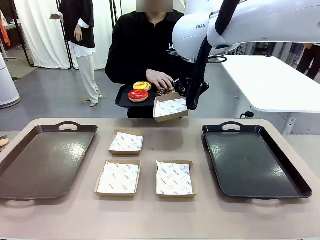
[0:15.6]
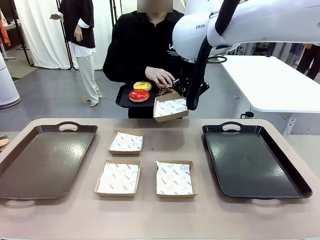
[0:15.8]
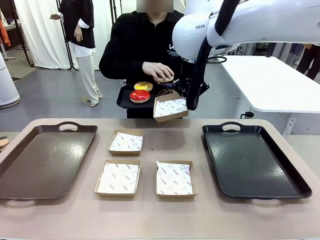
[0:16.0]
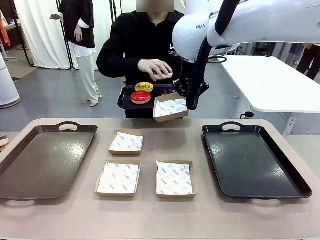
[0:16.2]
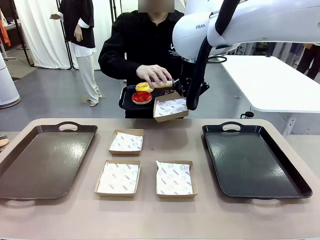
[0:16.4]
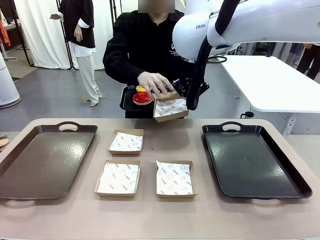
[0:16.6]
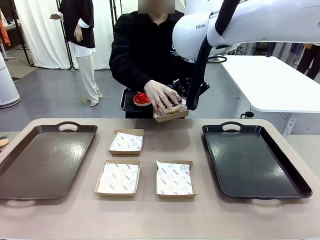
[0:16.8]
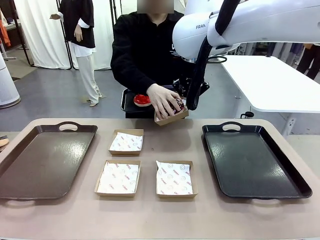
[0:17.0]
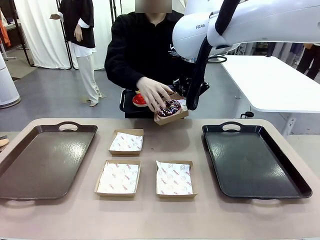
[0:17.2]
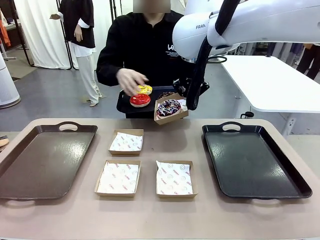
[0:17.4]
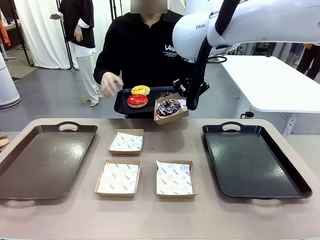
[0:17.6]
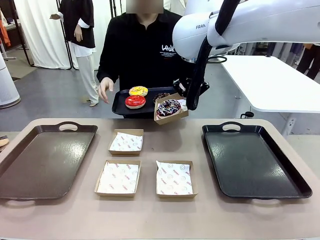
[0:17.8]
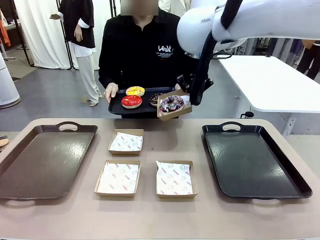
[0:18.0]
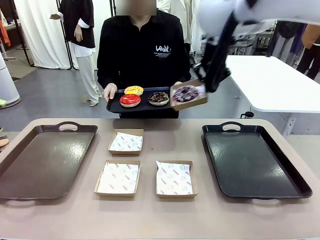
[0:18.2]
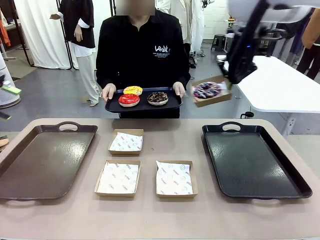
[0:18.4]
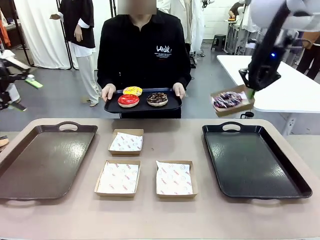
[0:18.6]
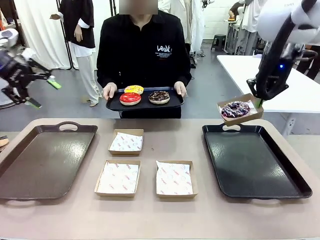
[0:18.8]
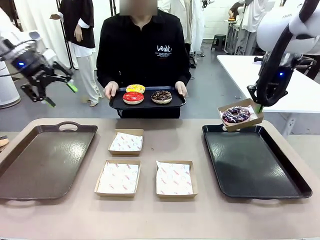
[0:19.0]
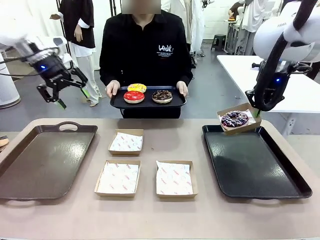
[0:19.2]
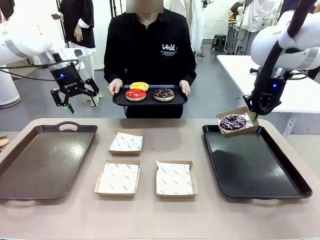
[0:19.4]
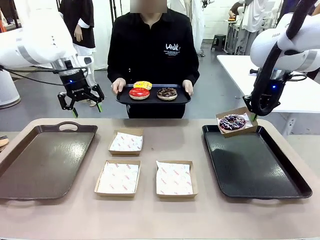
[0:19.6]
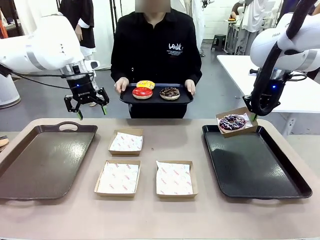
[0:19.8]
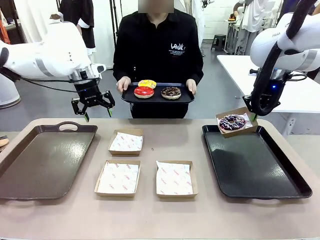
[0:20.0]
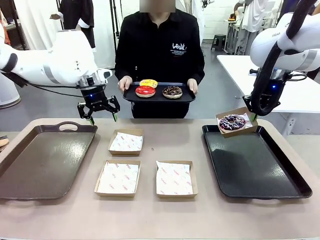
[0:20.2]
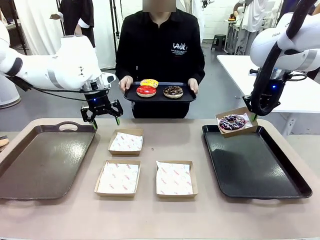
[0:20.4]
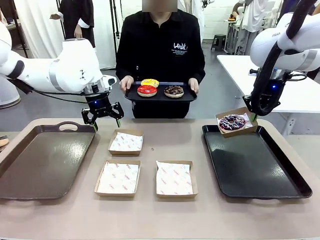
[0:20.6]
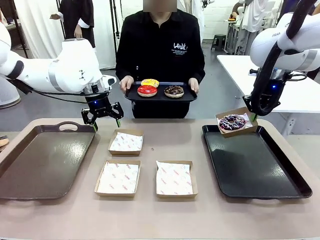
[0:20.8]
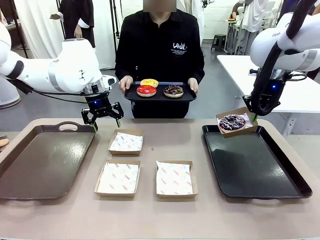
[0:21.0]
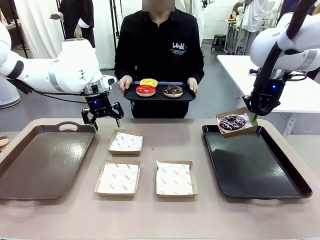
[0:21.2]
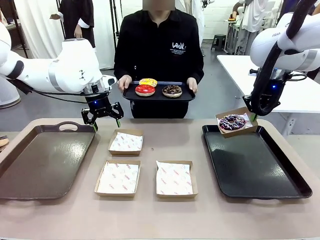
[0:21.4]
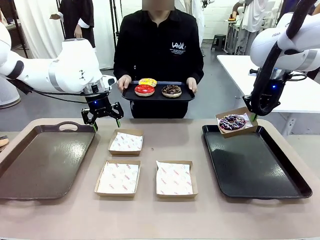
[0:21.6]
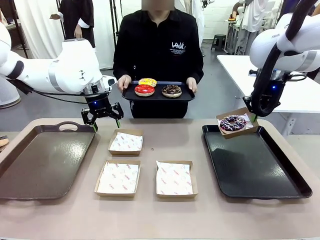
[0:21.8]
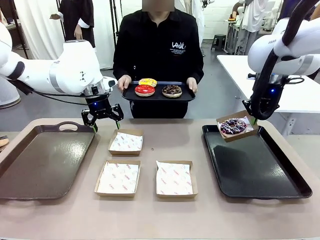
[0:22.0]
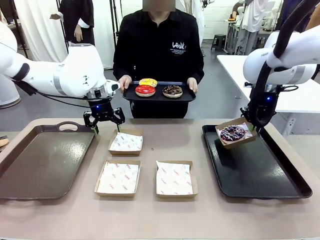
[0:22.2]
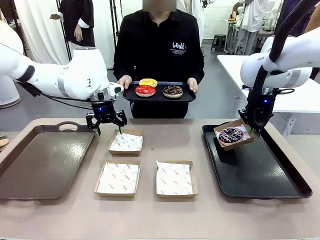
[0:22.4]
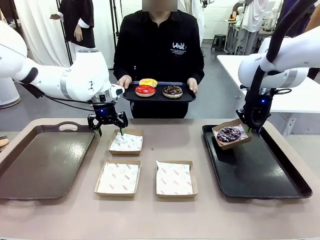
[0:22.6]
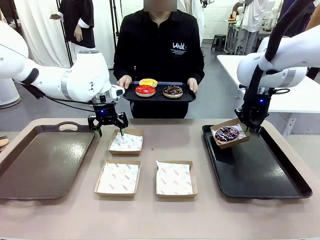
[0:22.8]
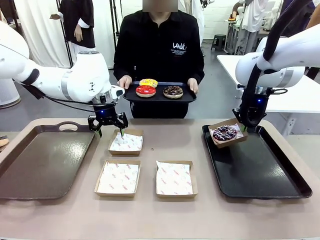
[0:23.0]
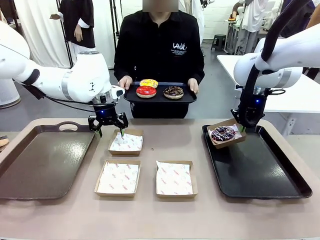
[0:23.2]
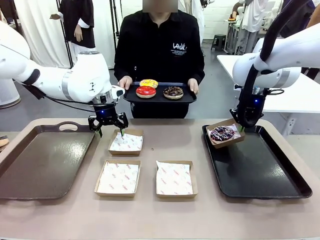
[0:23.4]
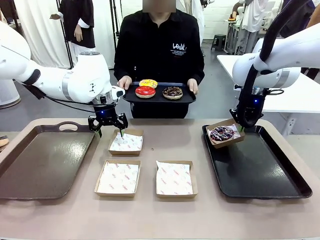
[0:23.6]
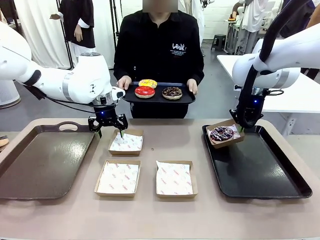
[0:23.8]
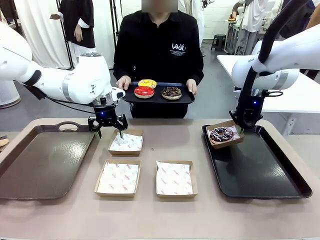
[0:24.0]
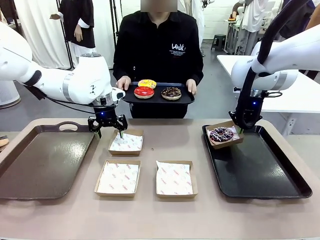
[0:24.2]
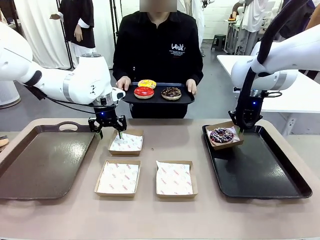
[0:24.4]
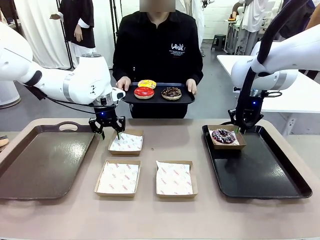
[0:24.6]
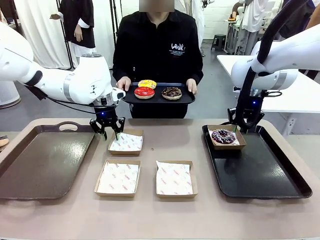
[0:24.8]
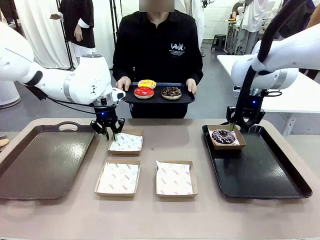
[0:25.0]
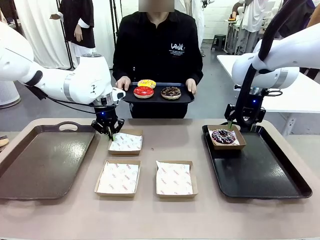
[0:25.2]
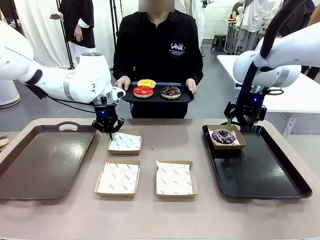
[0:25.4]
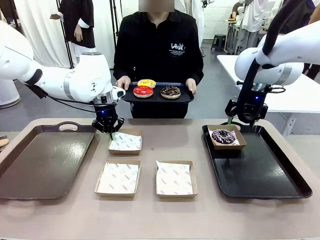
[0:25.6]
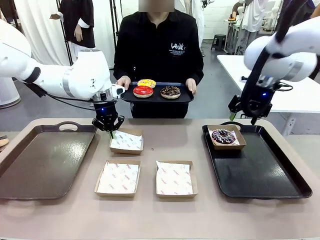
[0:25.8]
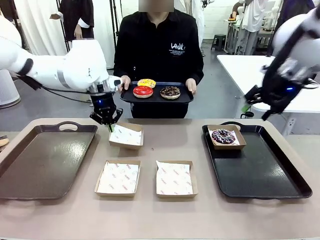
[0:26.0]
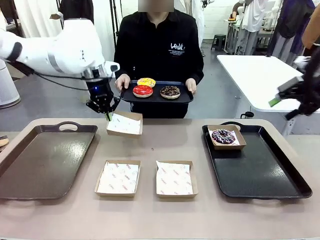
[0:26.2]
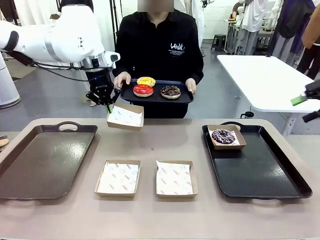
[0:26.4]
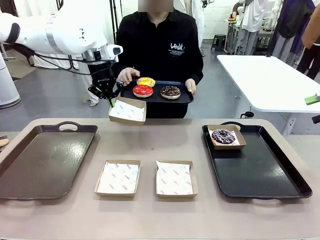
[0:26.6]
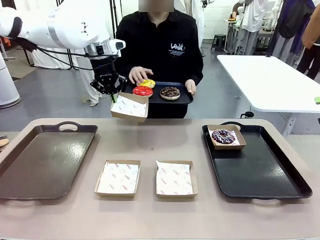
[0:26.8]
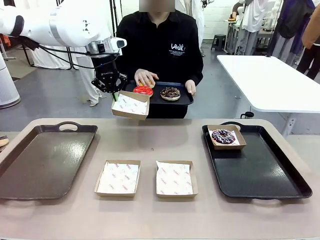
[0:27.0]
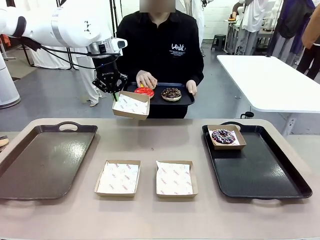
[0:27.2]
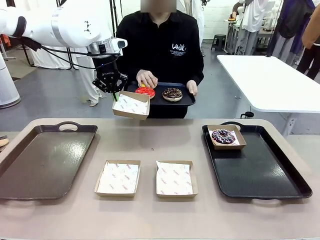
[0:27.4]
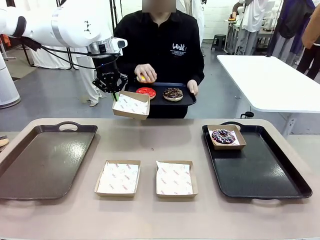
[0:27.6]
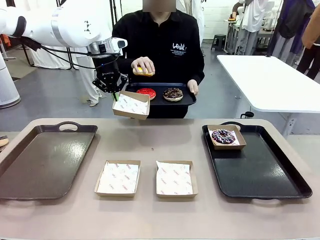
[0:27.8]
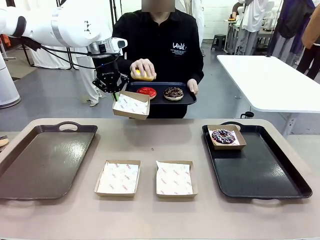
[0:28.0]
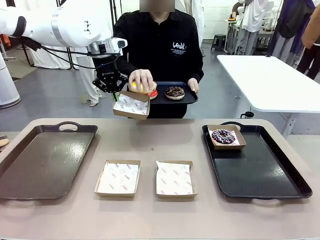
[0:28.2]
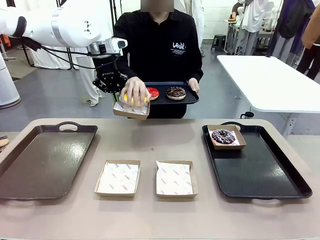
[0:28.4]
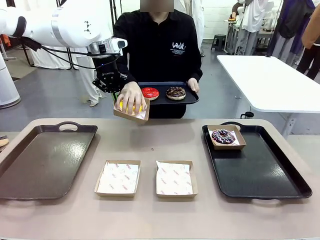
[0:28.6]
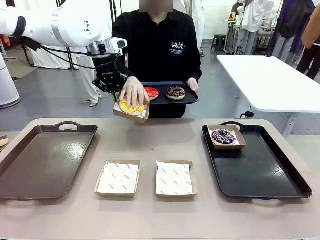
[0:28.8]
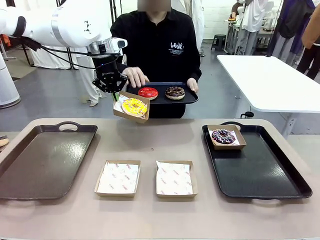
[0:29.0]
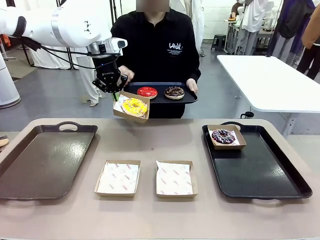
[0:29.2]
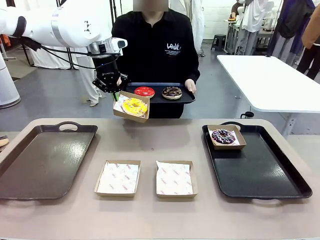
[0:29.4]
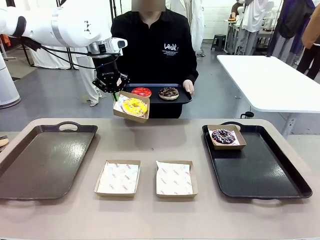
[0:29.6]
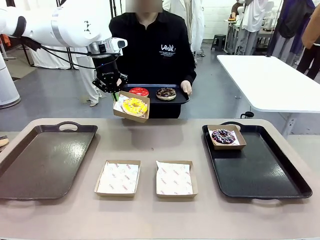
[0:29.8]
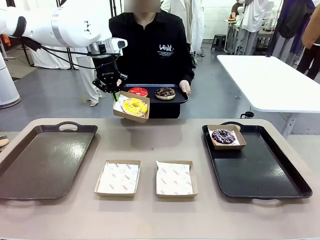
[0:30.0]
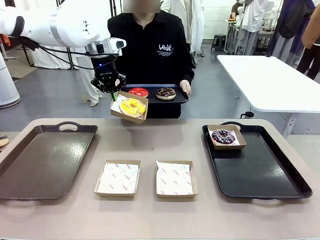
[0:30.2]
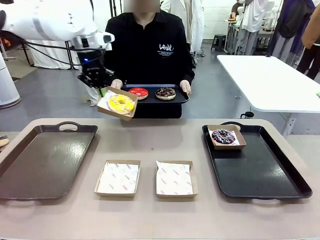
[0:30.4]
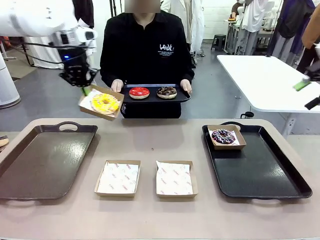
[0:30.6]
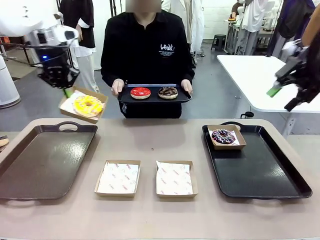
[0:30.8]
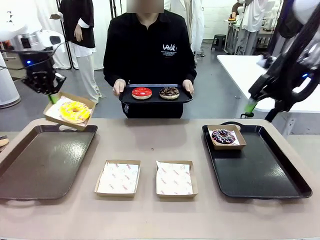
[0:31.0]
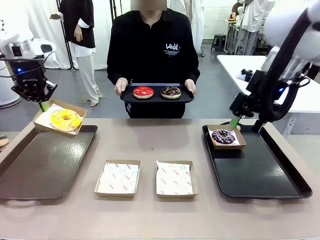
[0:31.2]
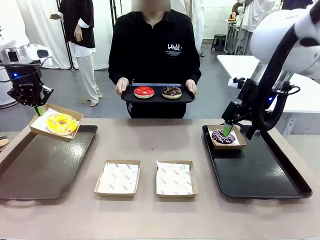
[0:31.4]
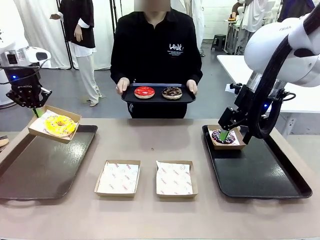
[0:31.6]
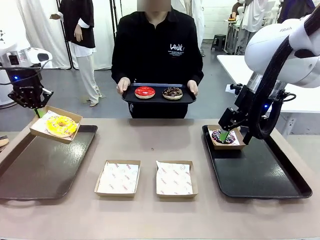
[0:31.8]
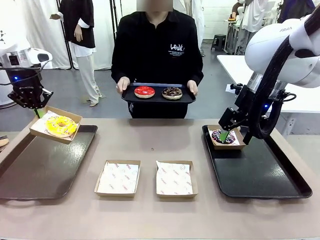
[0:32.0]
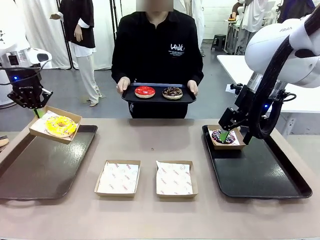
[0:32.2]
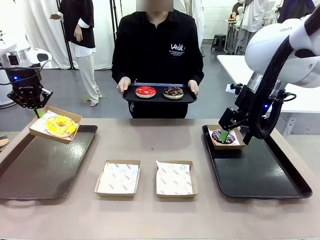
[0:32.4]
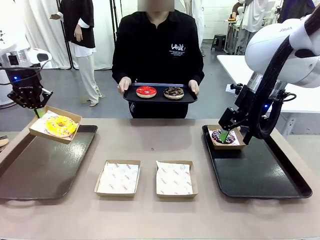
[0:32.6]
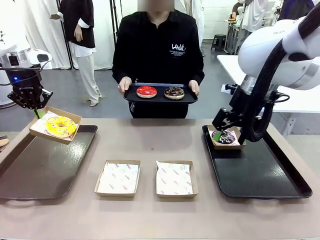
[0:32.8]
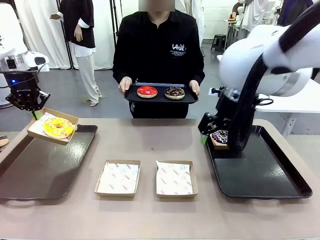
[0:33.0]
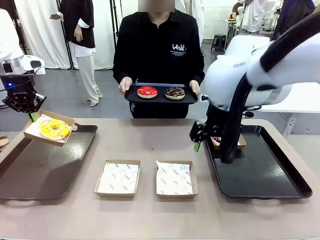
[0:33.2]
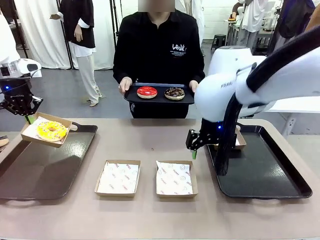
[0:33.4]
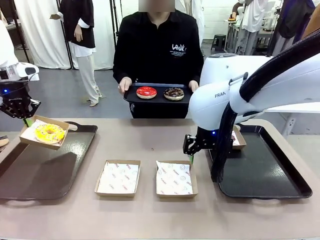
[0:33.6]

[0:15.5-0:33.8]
Task: Individually package the donuts and arrange them on the tray.
Robot: Place the picked Paper togo box on the Handle tray while simultaneously picking up another Paper togo box from the table with the other hand.
